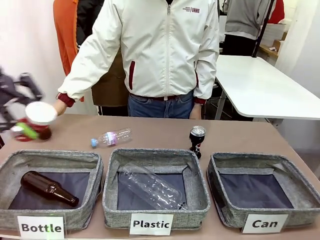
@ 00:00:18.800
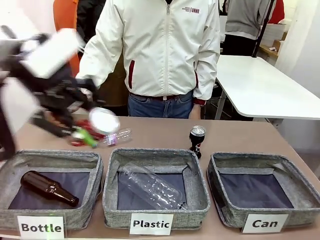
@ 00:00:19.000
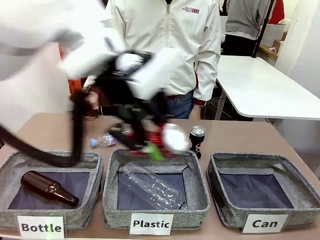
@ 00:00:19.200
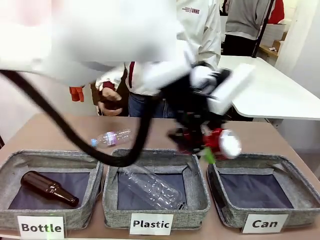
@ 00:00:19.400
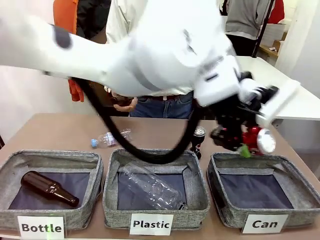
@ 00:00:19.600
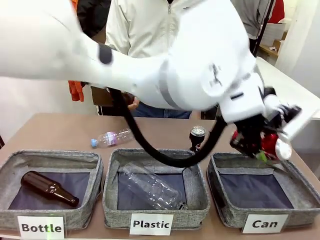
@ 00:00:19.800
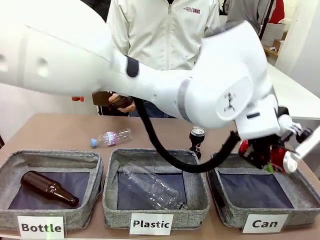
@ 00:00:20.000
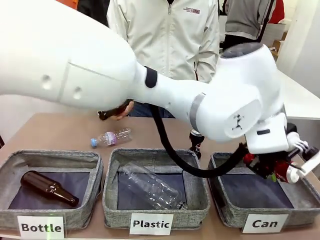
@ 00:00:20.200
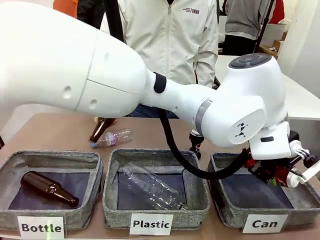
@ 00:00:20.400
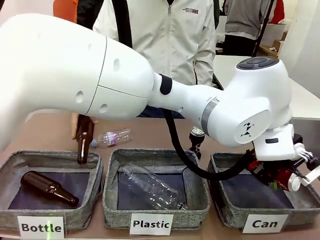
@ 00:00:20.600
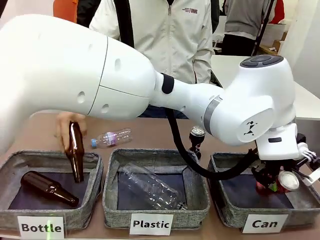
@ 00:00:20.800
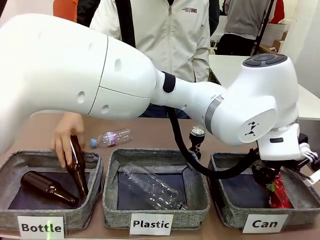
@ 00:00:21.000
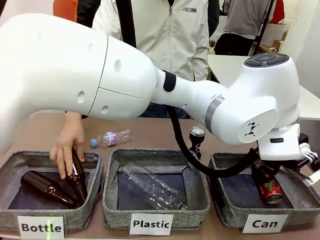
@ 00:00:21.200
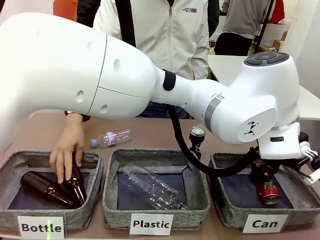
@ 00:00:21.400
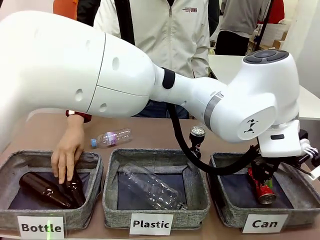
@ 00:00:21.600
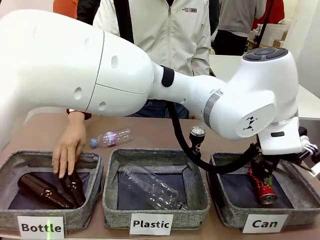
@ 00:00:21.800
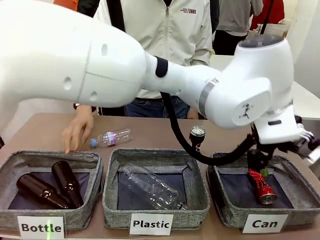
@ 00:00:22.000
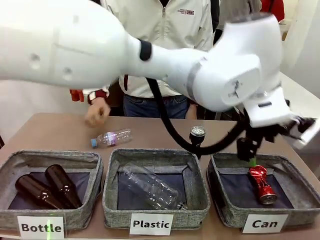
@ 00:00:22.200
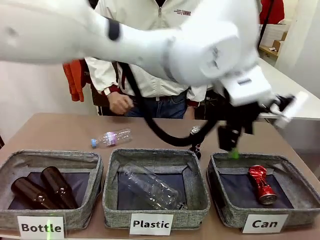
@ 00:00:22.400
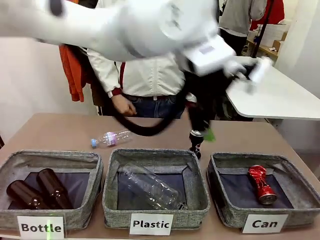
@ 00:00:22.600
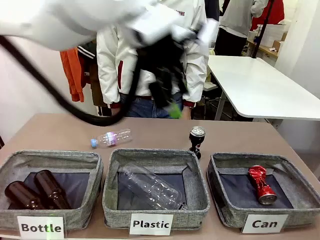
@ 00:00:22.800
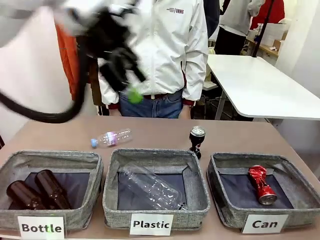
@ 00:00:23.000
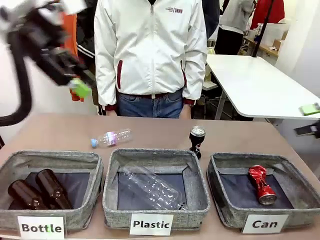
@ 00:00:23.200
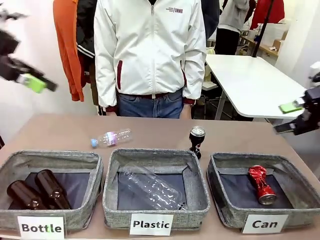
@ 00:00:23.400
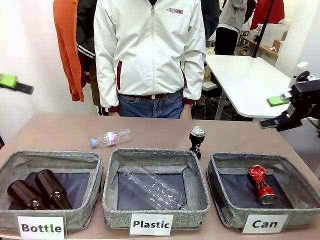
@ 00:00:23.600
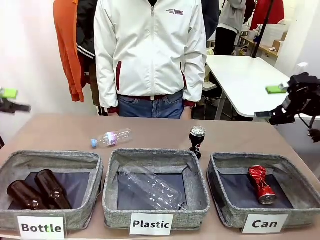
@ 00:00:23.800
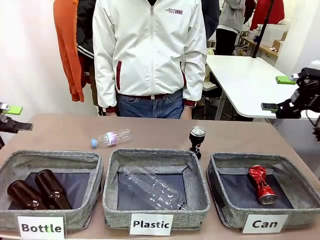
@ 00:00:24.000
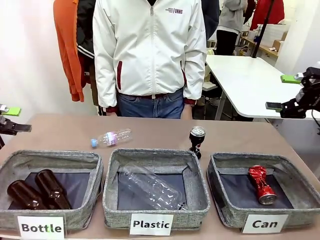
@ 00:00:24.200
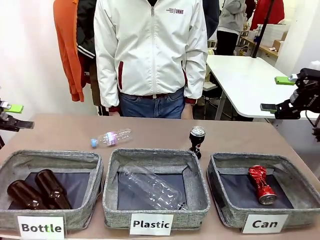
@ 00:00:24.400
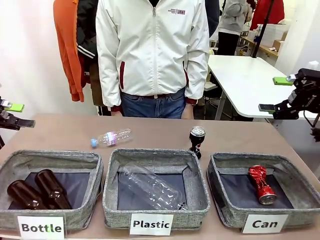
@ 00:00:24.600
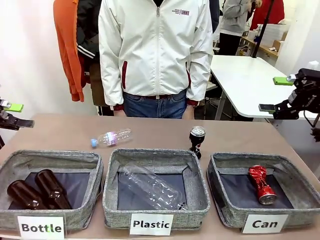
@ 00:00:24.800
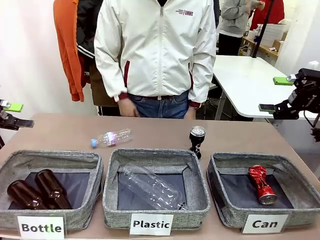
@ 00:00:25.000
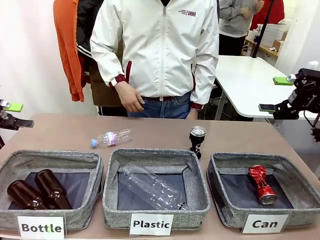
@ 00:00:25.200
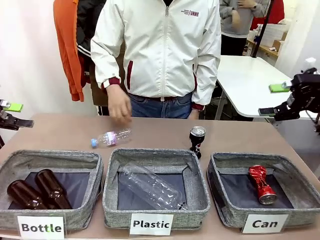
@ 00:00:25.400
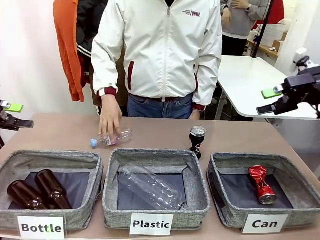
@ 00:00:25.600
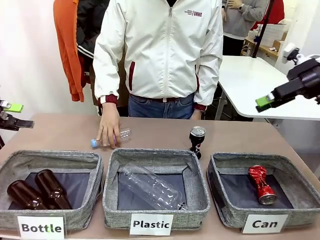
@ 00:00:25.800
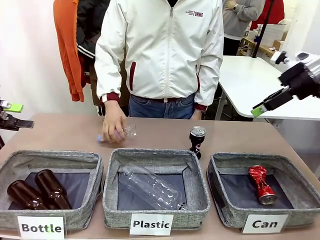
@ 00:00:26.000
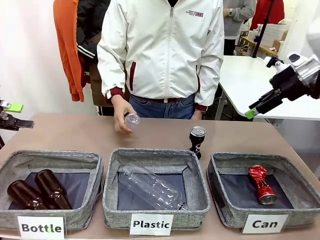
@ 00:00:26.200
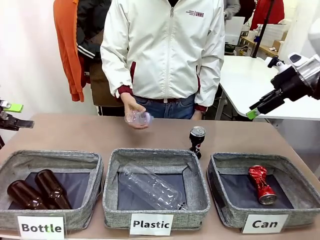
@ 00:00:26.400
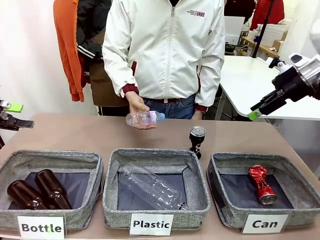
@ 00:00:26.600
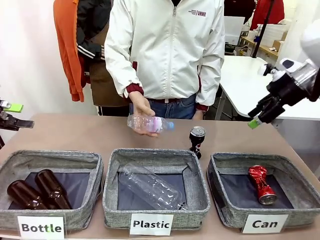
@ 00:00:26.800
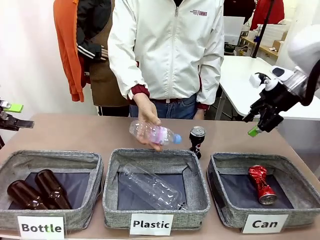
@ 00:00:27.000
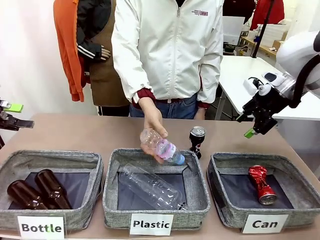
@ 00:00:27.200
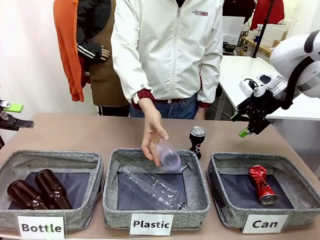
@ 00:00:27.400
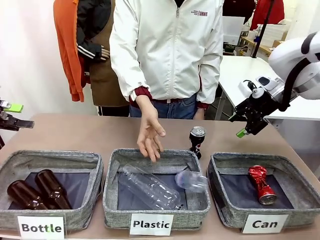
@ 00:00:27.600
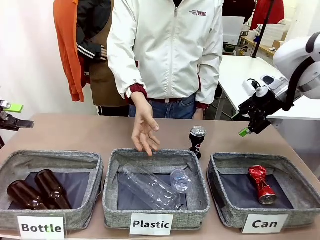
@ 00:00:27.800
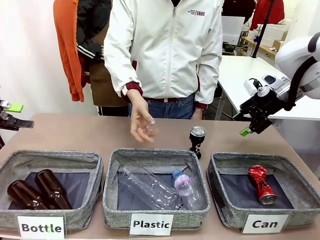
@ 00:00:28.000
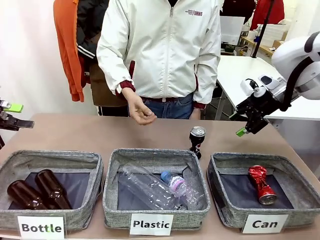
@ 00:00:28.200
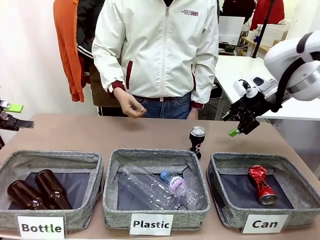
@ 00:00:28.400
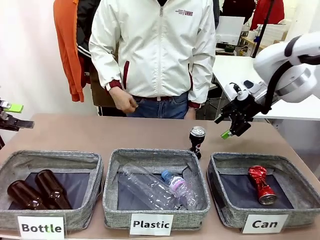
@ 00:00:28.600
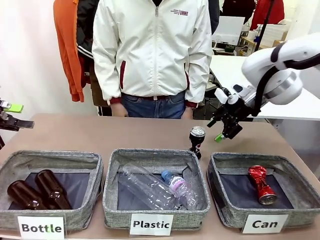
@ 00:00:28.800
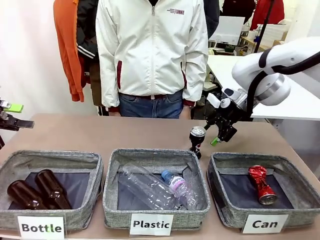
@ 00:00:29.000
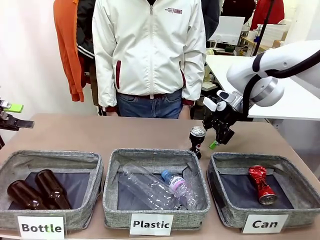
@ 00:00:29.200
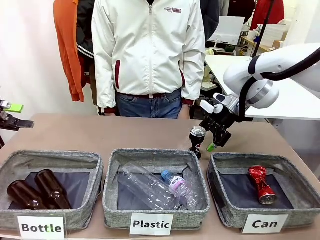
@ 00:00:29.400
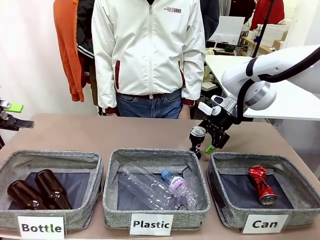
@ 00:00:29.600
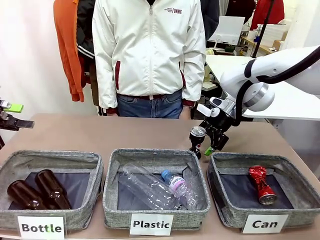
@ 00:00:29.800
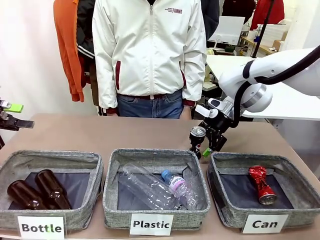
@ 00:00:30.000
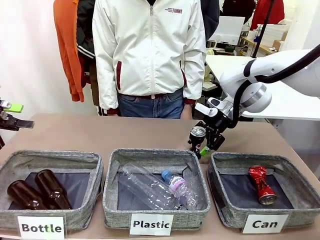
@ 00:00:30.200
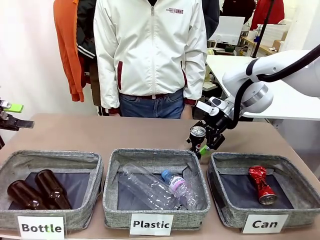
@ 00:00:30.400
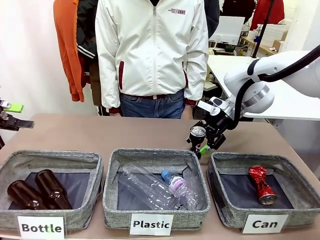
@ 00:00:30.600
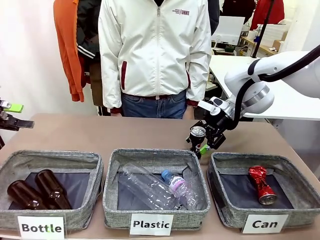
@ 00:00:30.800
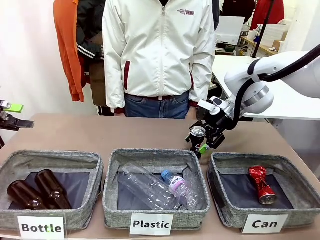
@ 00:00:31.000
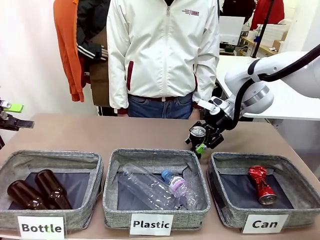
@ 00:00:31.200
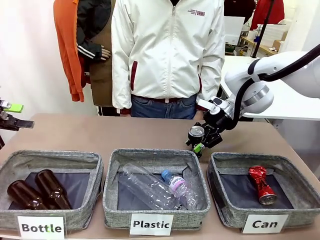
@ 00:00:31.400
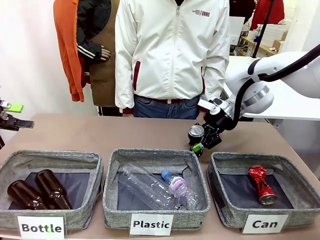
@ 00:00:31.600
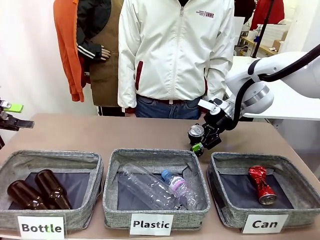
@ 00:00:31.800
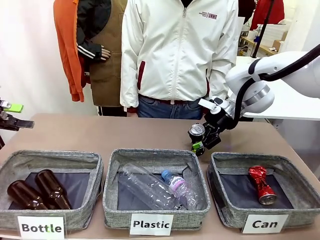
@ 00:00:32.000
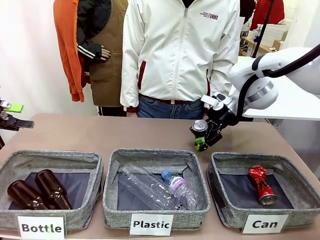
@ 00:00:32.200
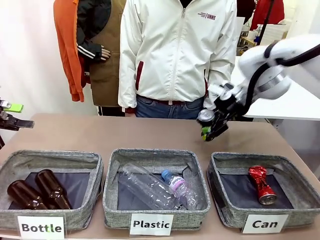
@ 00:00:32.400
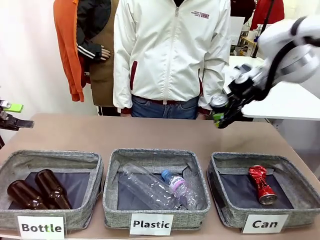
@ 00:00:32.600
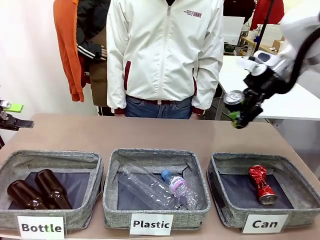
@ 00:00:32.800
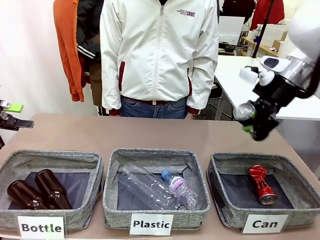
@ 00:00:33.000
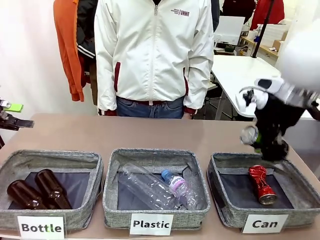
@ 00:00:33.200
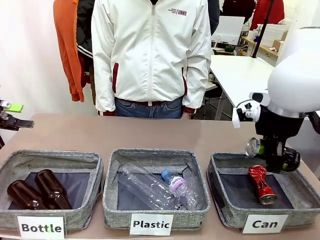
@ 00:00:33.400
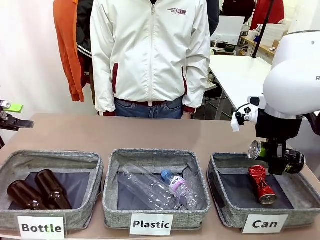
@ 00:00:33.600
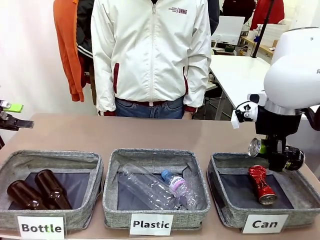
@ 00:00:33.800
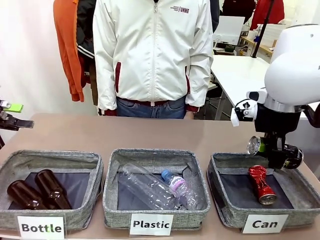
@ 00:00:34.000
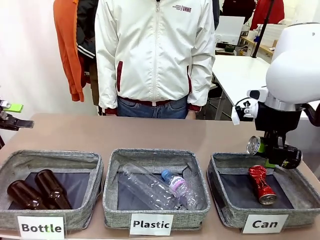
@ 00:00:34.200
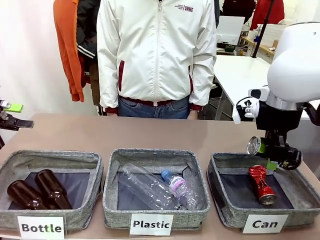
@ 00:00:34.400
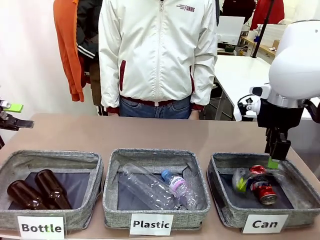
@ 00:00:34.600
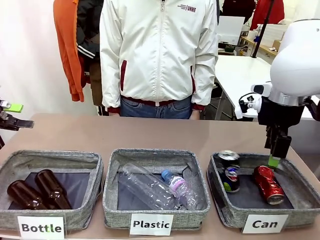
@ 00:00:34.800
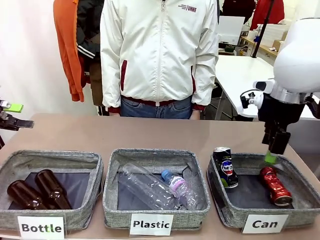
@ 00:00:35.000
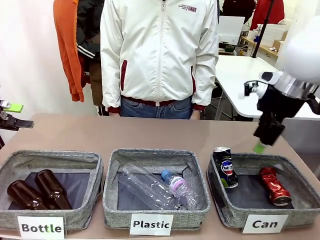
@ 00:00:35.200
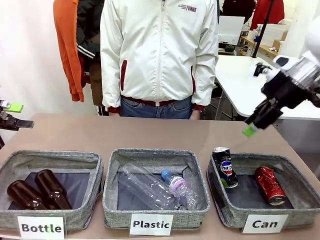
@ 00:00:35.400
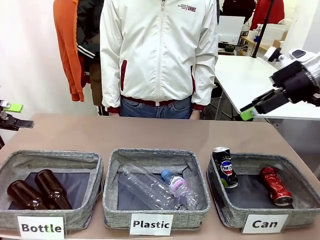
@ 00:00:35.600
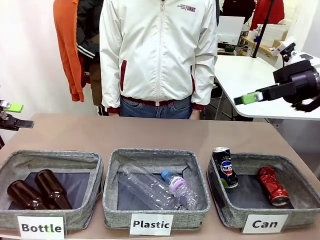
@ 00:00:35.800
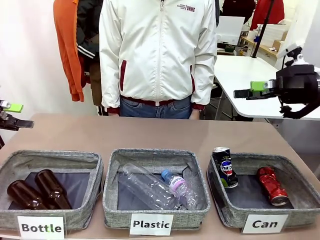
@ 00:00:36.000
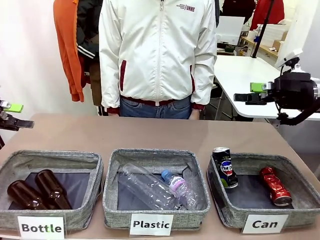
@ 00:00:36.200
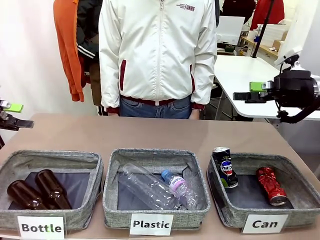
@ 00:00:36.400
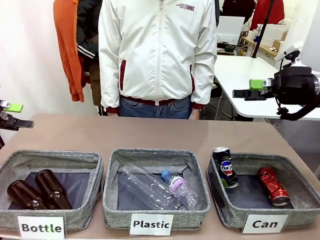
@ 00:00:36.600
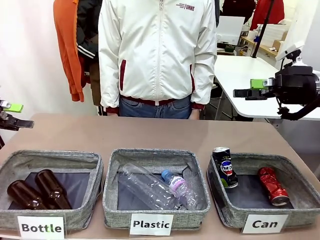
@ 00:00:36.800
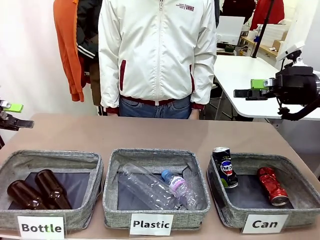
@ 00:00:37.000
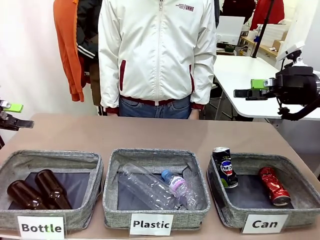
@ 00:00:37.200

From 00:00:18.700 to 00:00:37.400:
Task: Sort the can waste into the basket.
Robot: Pick up the can waste from the table and place it in the right Fabric basket.
